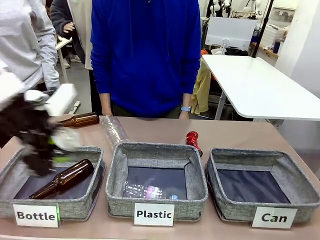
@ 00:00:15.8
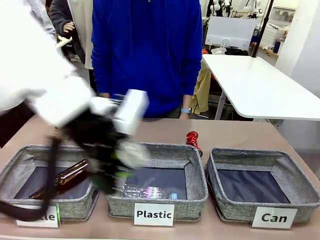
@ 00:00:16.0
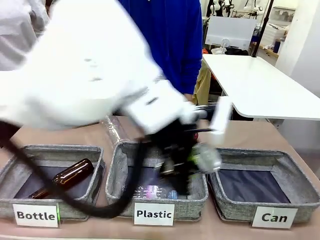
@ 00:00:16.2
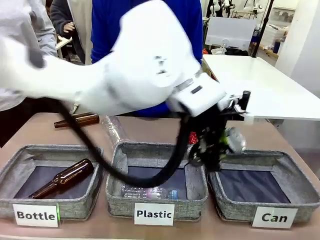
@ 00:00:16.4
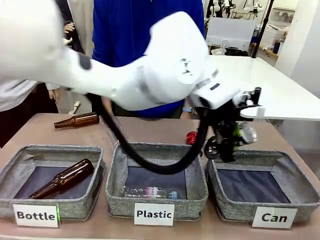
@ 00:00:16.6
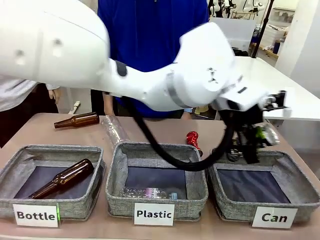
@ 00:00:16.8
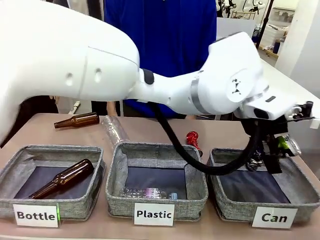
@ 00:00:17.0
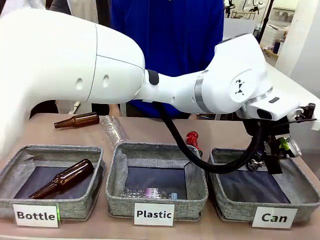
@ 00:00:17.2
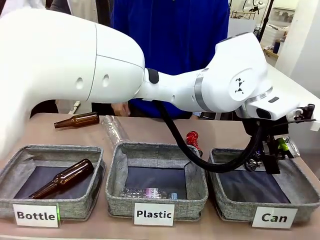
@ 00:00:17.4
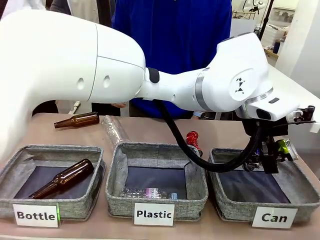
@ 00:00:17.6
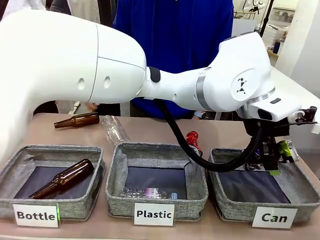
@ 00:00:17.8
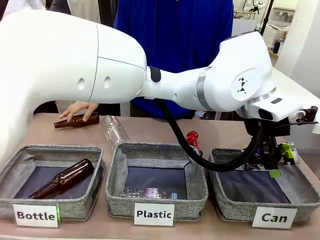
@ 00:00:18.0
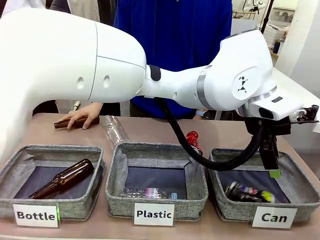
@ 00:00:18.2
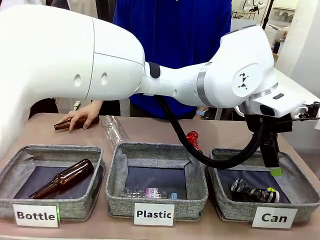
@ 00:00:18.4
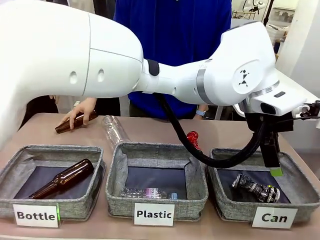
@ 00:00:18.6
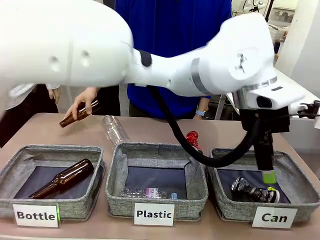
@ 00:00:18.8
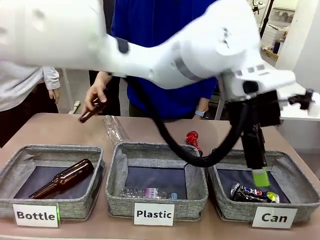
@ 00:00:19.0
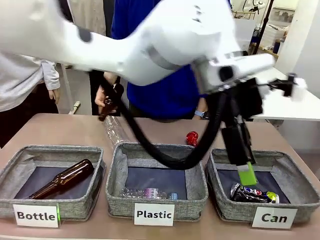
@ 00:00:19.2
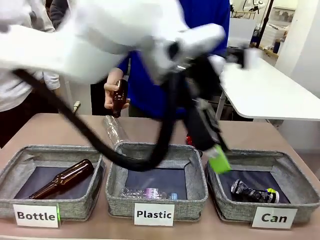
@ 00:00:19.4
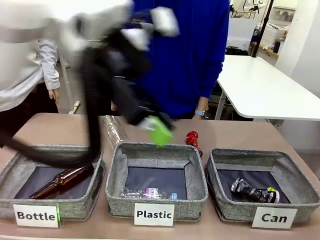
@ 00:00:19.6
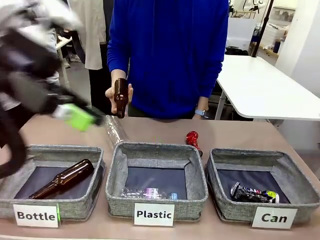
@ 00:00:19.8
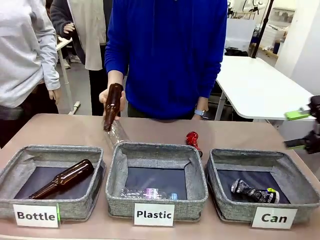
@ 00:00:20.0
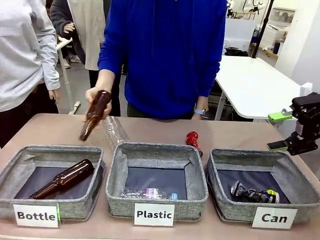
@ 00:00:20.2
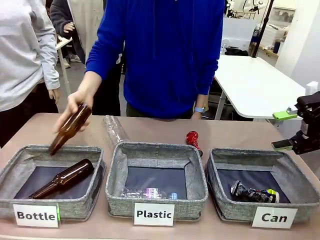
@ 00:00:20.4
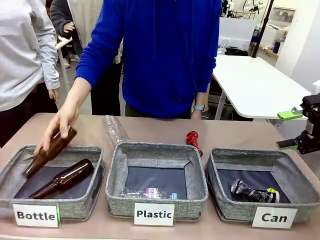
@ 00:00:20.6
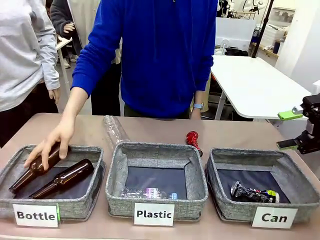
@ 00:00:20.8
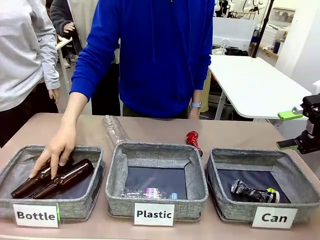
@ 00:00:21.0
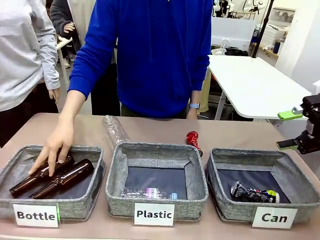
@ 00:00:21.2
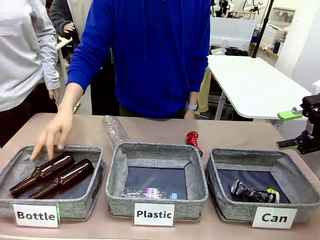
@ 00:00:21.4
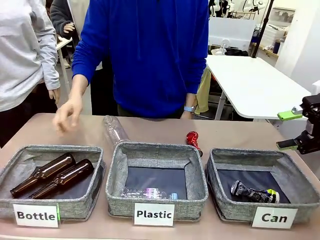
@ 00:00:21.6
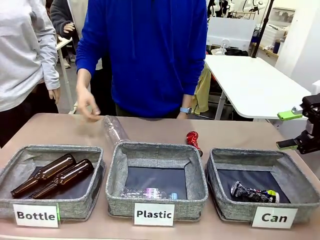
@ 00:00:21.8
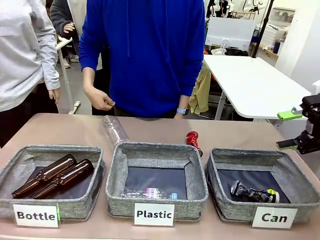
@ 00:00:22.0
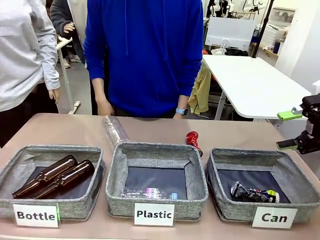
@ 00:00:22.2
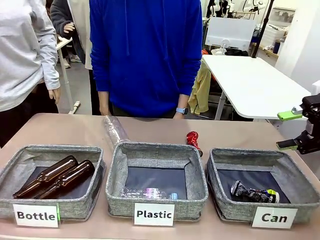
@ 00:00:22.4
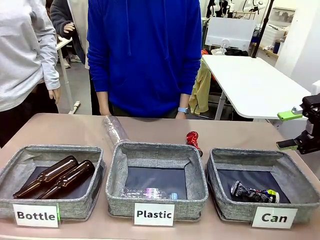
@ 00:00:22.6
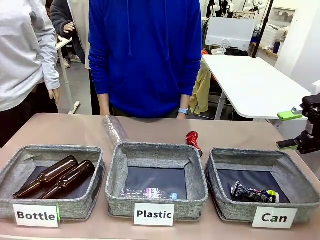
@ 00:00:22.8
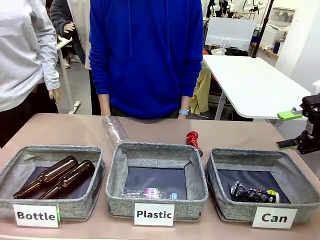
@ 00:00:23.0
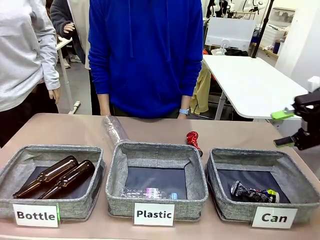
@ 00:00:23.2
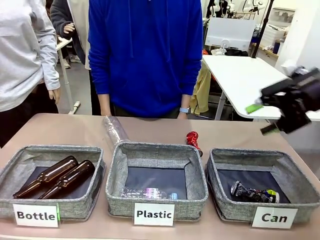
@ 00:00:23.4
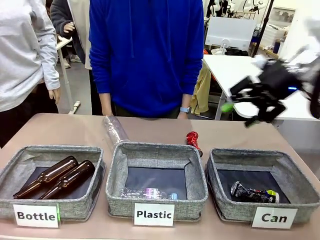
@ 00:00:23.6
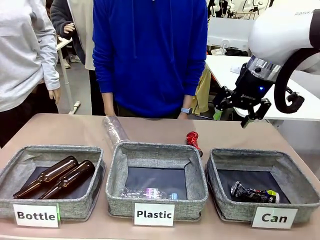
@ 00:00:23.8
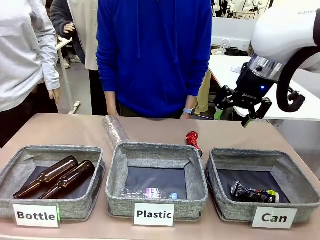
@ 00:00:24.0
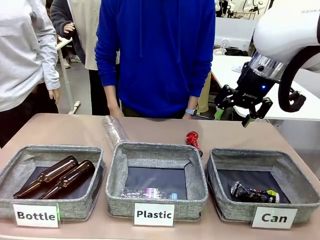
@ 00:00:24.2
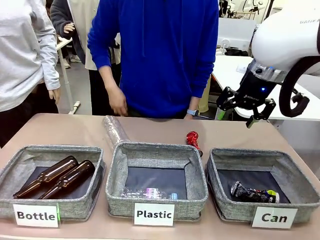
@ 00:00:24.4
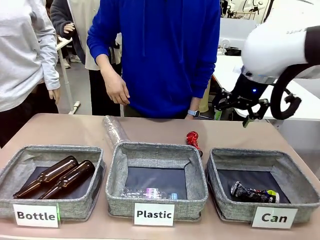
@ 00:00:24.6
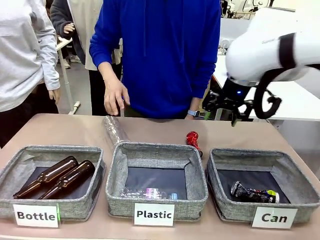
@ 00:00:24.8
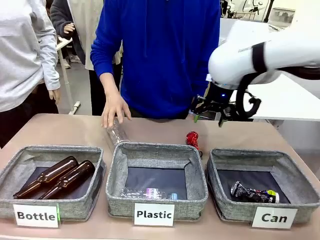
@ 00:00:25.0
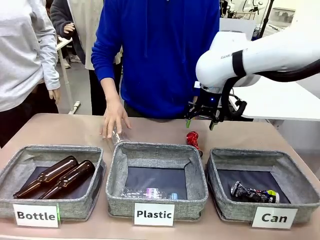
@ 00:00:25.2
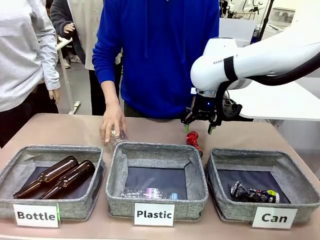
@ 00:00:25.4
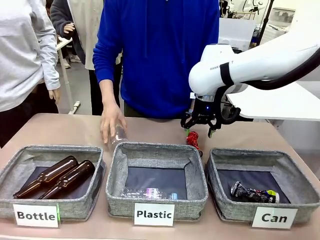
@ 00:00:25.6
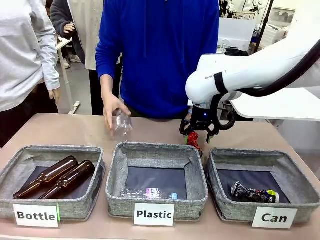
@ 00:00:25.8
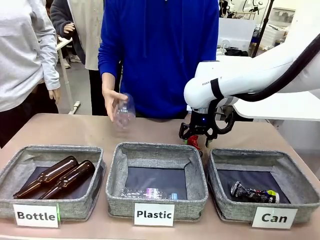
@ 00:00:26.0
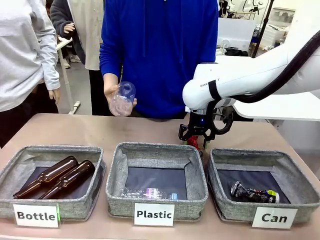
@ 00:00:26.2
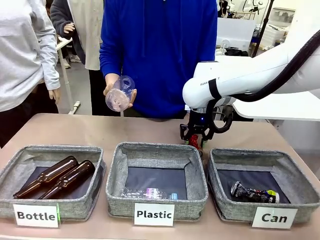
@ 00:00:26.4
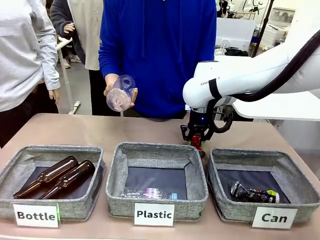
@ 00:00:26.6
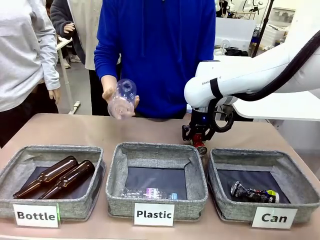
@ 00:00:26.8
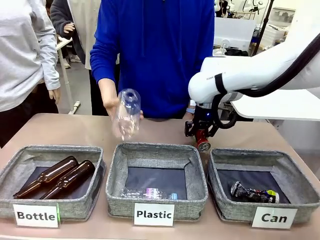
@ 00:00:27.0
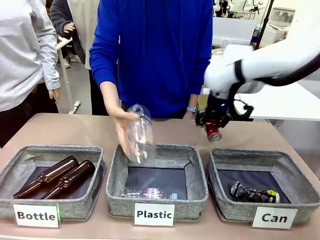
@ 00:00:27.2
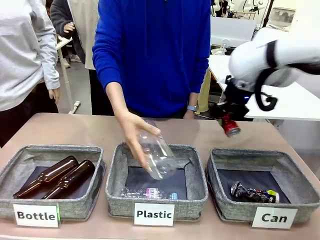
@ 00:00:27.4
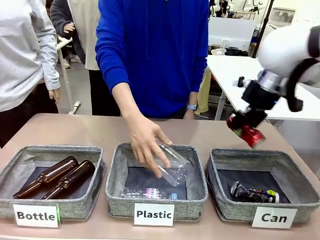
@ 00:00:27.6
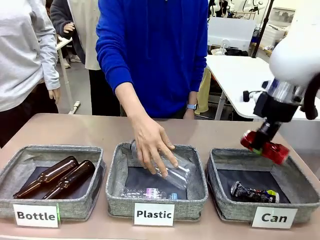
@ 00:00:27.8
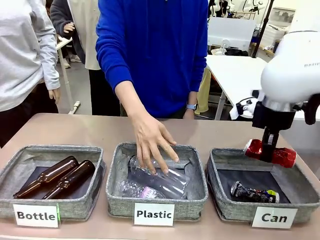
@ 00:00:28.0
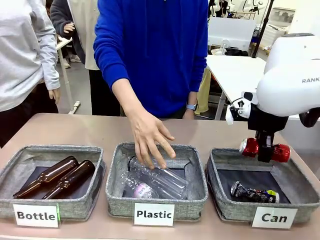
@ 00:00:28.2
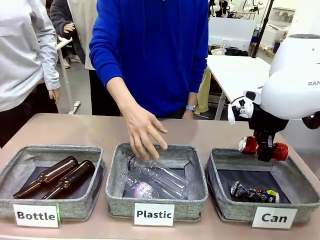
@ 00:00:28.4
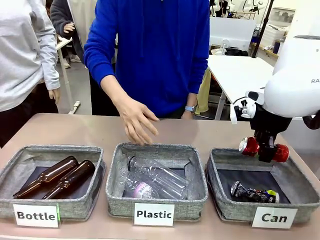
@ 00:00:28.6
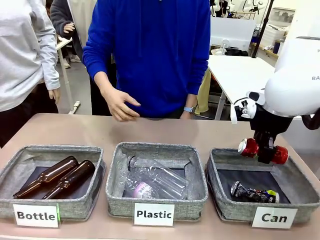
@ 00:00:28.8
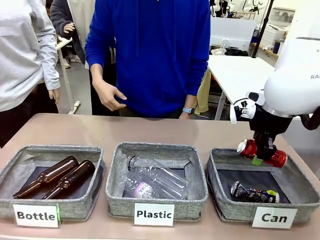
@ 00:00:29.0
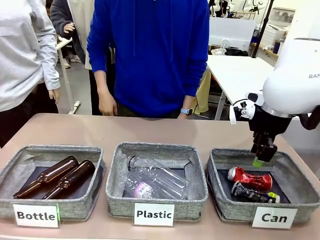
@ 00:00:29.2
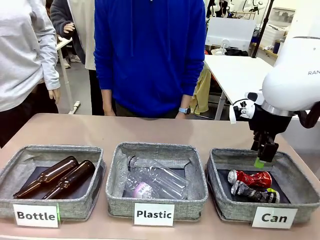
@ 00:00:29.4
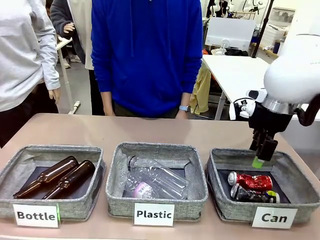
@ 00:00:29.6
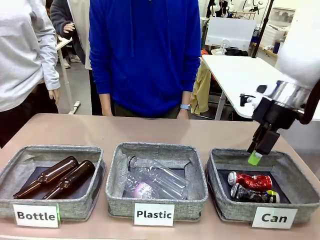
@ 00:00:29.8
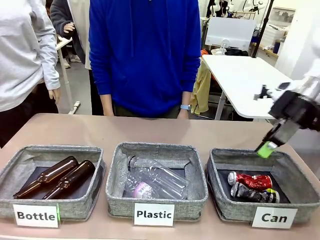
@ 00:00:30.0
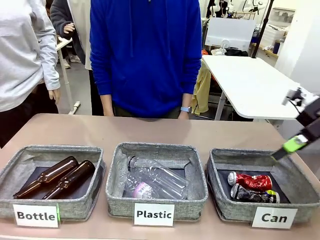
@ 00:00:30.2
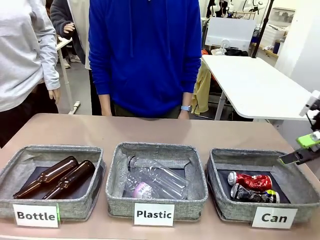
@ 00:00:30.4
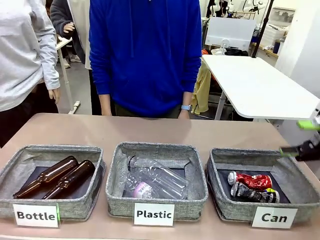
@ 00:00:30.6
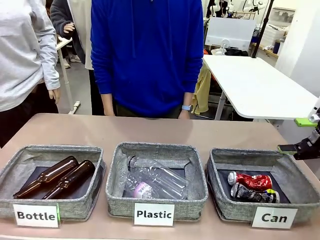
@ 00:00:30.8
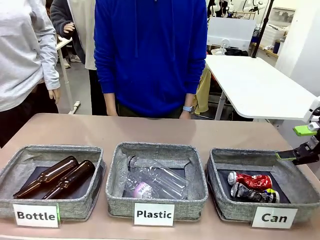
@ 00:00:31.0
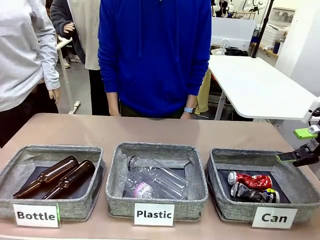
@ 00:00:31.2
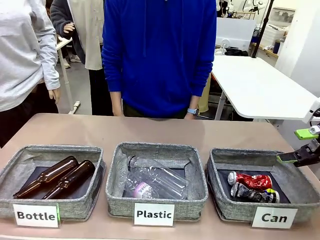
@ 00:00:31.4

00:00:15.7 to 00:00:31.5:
Task: Sort the can waste into the basket.
Robot: Pick up the can waste from the table and place it in the right Fabric basket.
Person: The human picks up one piece of trash that is not a can and places the trash into the appropriate organizing basket.
